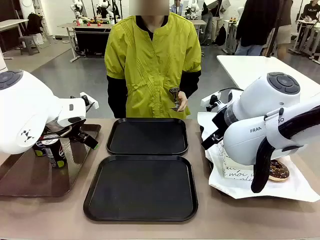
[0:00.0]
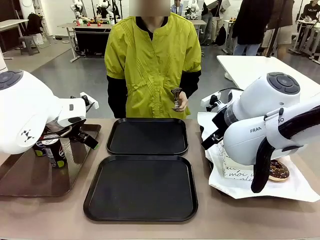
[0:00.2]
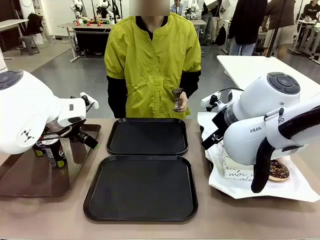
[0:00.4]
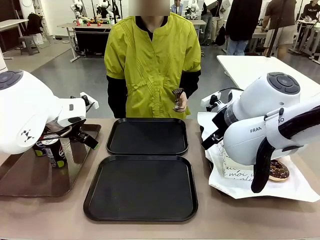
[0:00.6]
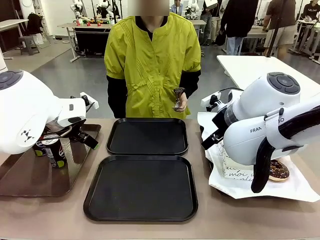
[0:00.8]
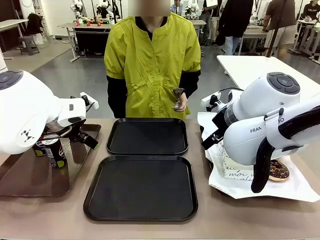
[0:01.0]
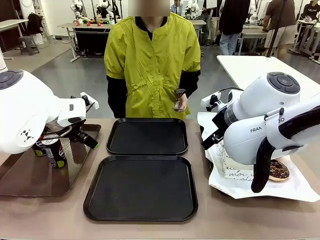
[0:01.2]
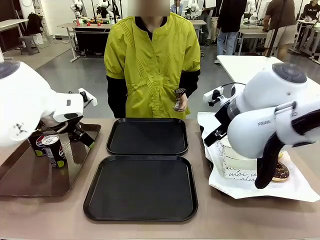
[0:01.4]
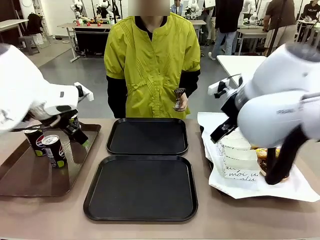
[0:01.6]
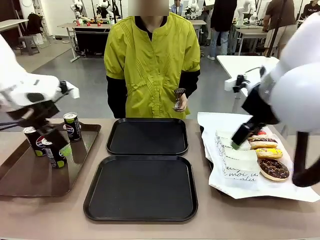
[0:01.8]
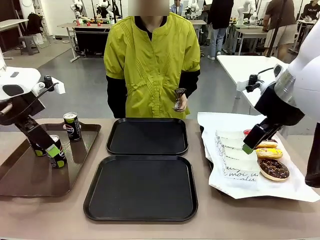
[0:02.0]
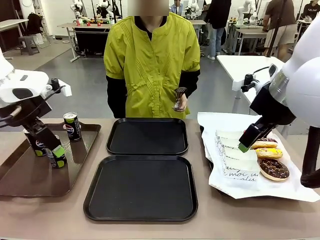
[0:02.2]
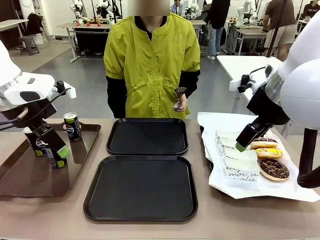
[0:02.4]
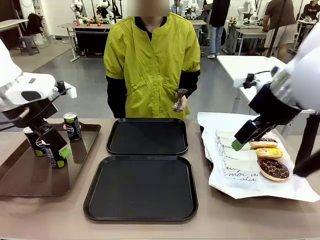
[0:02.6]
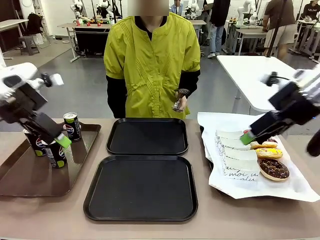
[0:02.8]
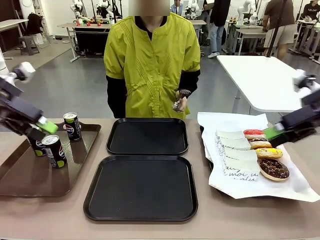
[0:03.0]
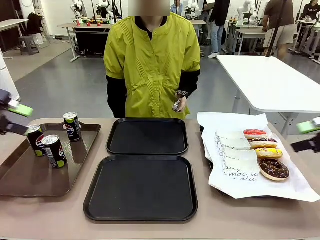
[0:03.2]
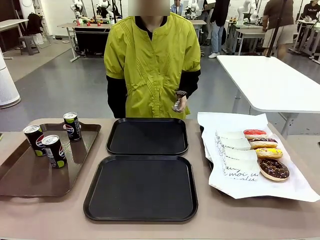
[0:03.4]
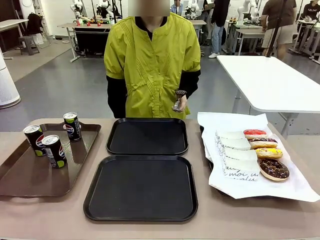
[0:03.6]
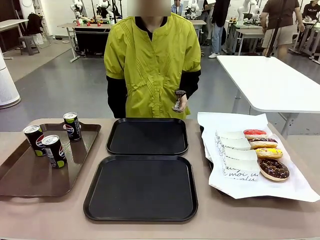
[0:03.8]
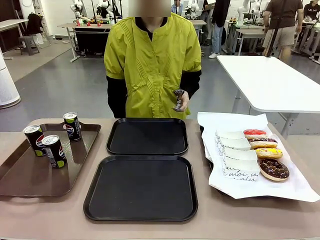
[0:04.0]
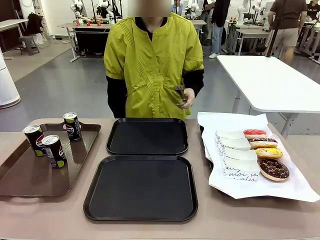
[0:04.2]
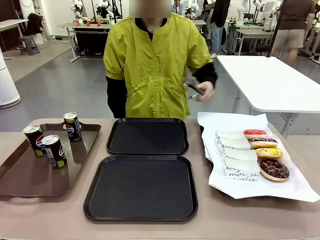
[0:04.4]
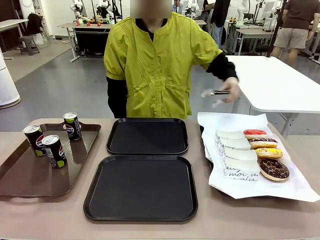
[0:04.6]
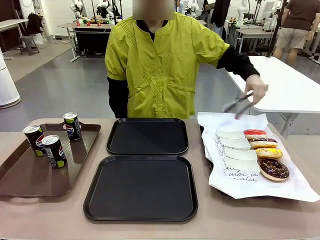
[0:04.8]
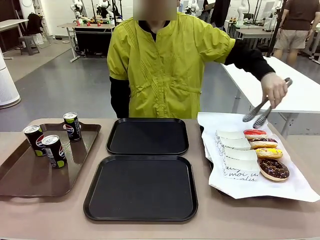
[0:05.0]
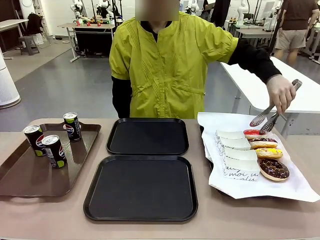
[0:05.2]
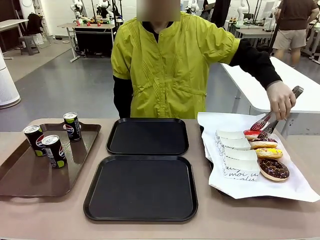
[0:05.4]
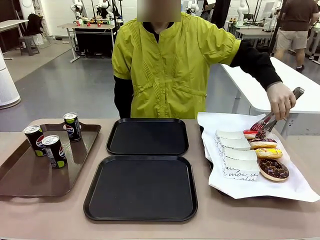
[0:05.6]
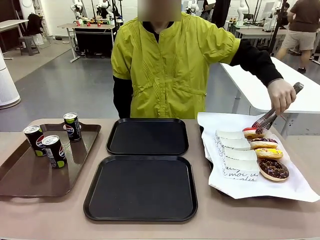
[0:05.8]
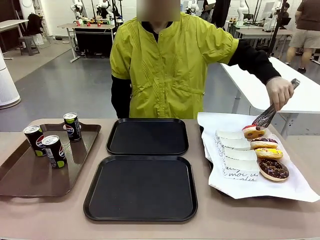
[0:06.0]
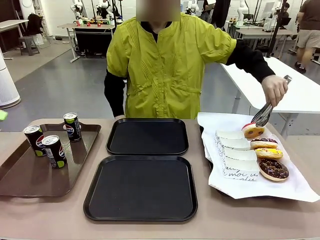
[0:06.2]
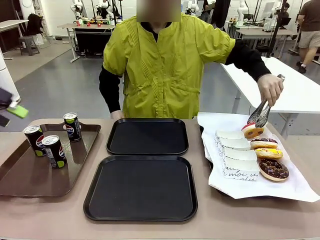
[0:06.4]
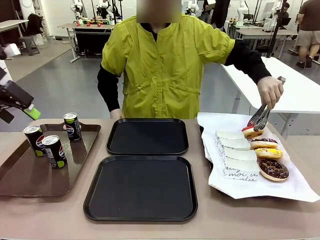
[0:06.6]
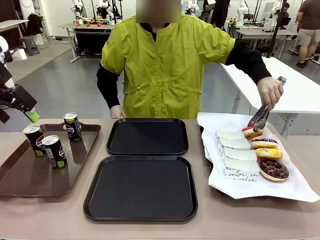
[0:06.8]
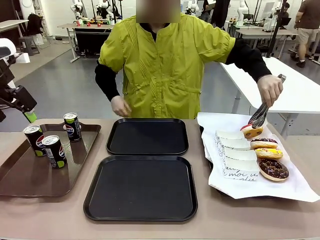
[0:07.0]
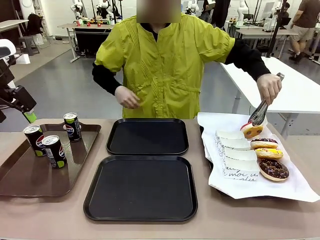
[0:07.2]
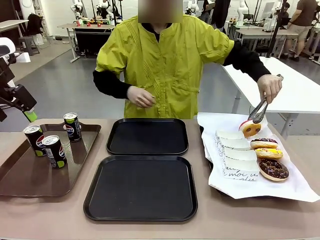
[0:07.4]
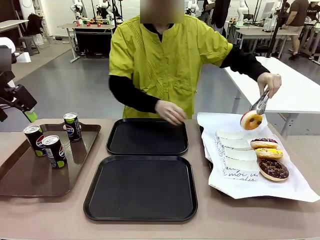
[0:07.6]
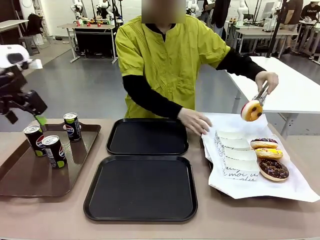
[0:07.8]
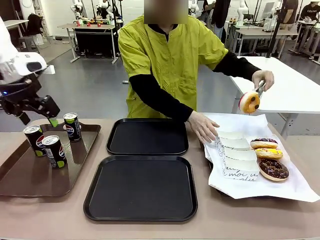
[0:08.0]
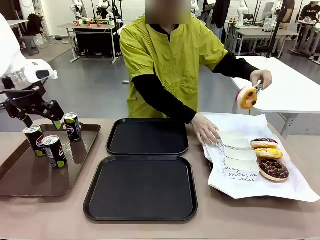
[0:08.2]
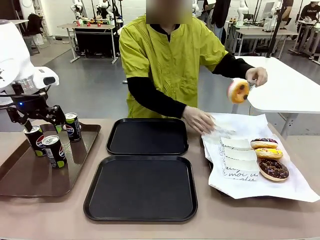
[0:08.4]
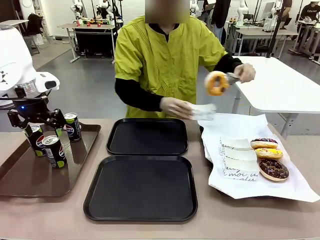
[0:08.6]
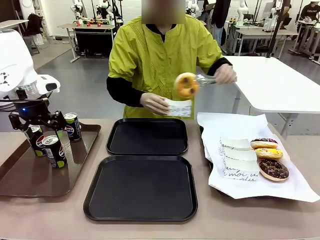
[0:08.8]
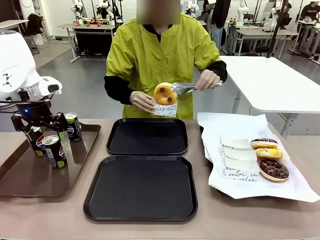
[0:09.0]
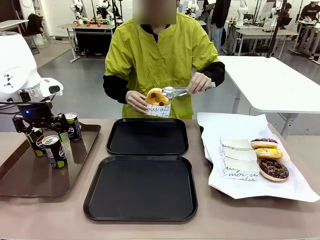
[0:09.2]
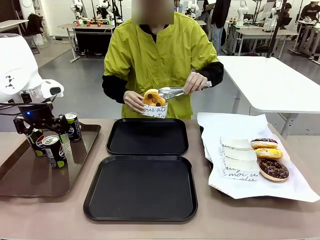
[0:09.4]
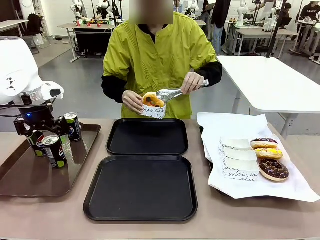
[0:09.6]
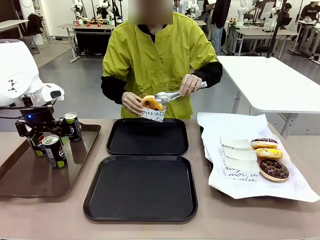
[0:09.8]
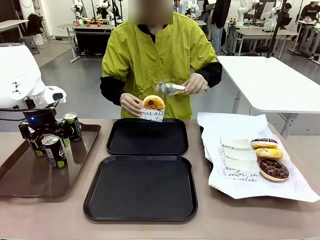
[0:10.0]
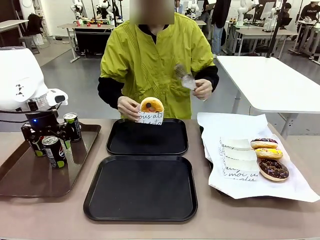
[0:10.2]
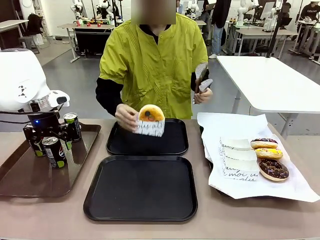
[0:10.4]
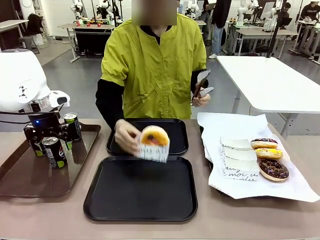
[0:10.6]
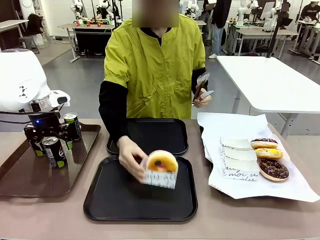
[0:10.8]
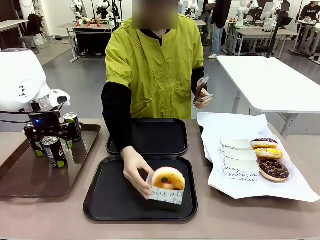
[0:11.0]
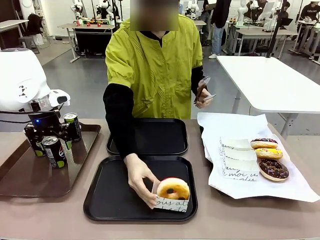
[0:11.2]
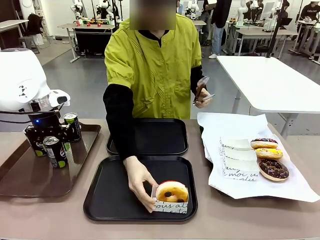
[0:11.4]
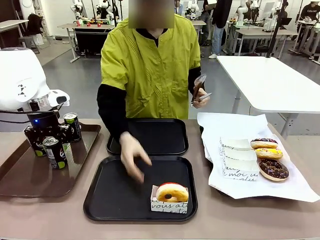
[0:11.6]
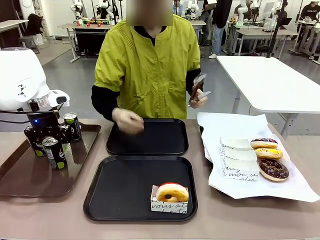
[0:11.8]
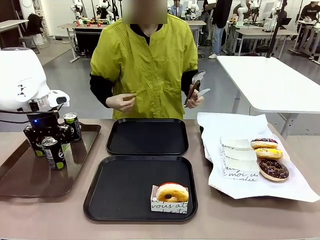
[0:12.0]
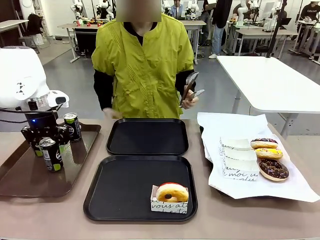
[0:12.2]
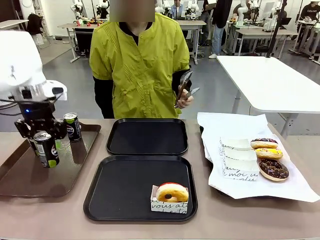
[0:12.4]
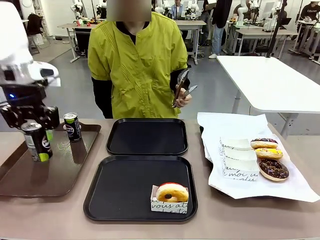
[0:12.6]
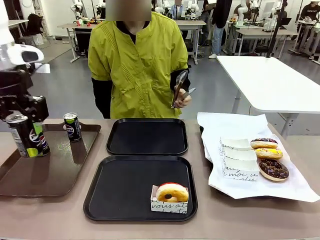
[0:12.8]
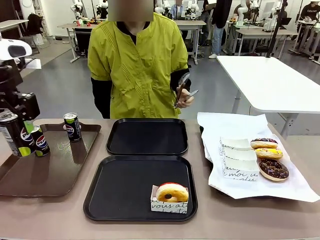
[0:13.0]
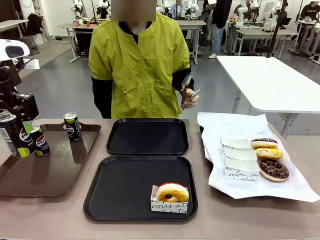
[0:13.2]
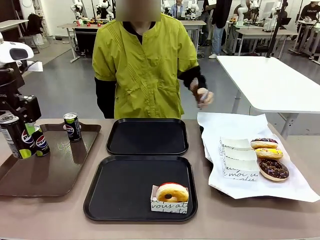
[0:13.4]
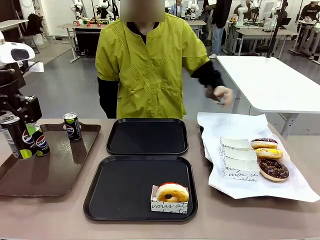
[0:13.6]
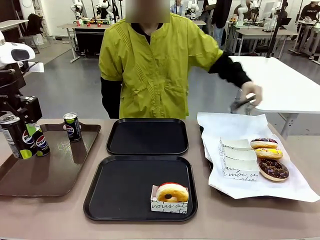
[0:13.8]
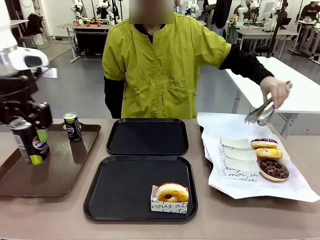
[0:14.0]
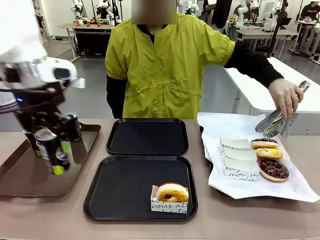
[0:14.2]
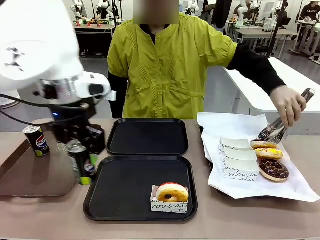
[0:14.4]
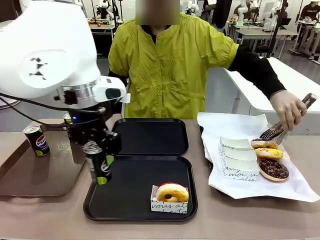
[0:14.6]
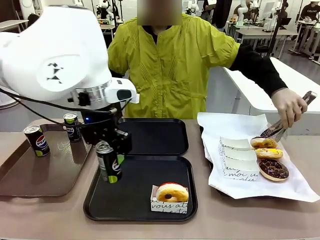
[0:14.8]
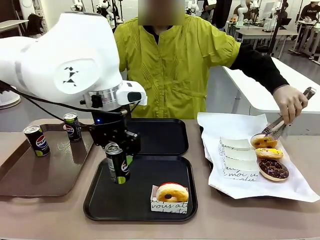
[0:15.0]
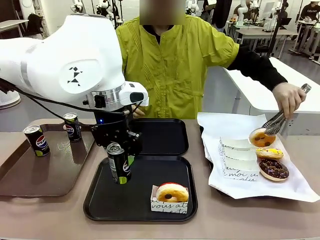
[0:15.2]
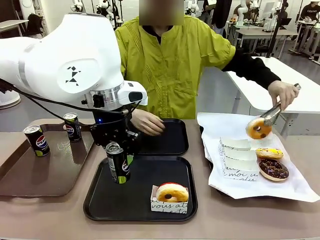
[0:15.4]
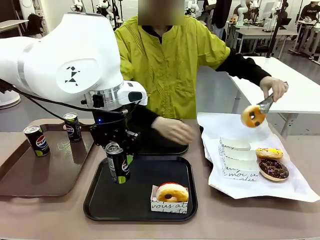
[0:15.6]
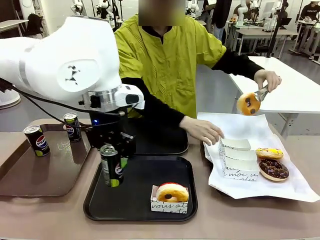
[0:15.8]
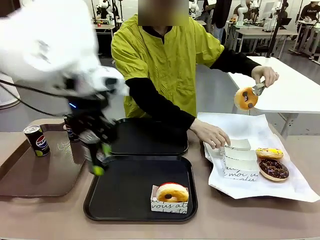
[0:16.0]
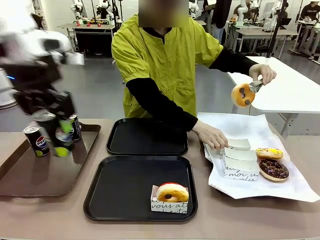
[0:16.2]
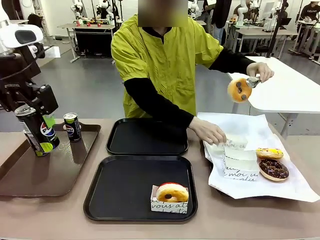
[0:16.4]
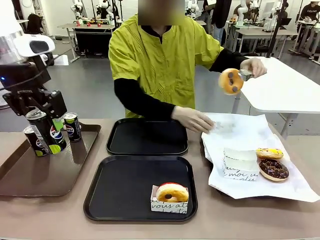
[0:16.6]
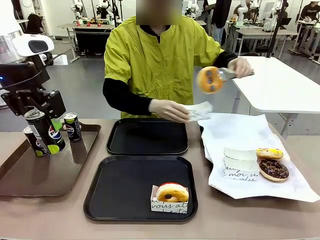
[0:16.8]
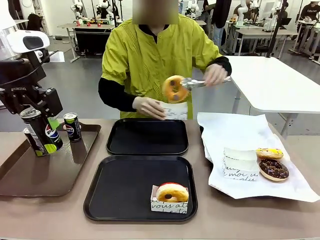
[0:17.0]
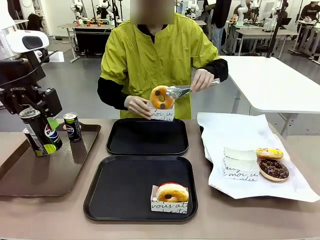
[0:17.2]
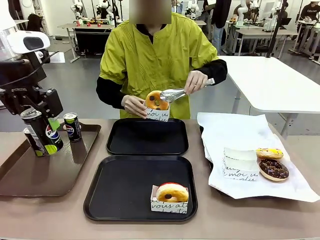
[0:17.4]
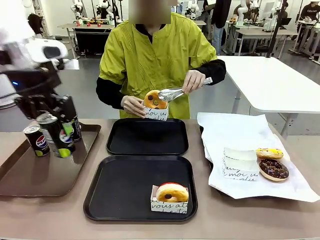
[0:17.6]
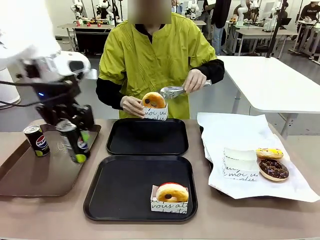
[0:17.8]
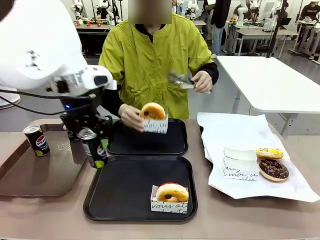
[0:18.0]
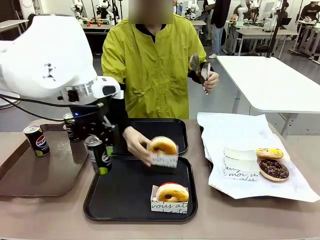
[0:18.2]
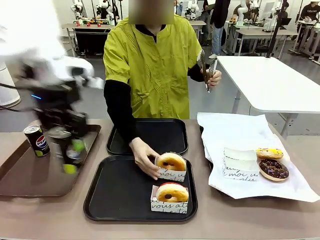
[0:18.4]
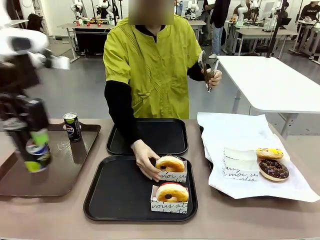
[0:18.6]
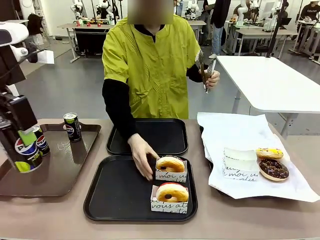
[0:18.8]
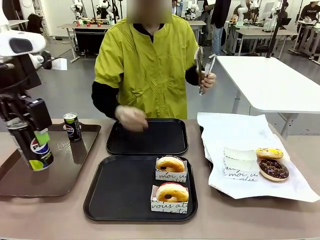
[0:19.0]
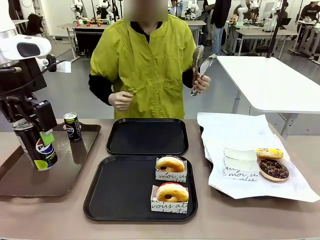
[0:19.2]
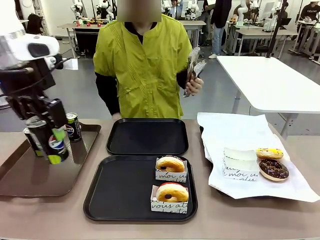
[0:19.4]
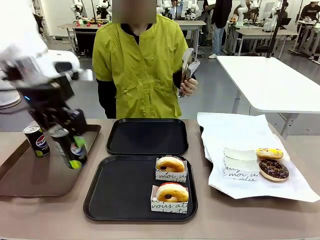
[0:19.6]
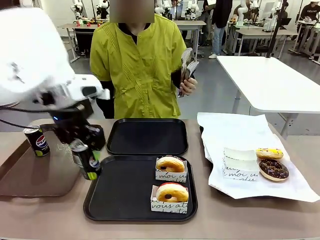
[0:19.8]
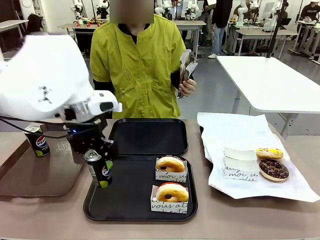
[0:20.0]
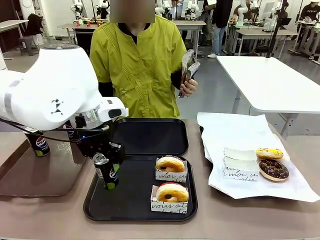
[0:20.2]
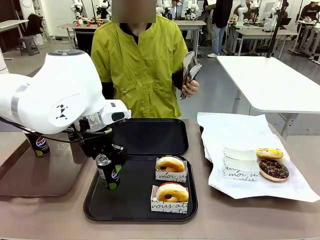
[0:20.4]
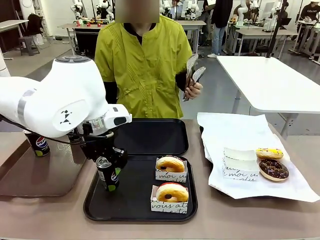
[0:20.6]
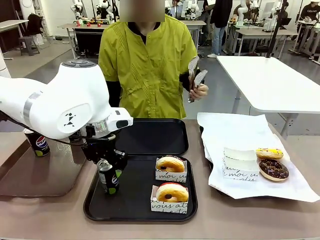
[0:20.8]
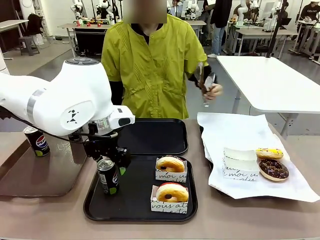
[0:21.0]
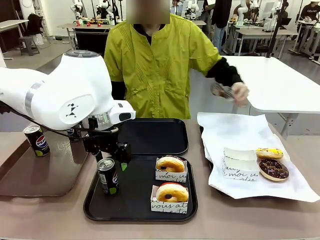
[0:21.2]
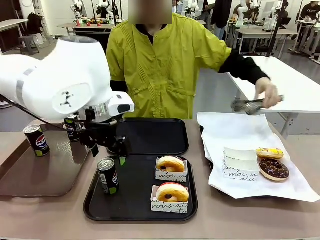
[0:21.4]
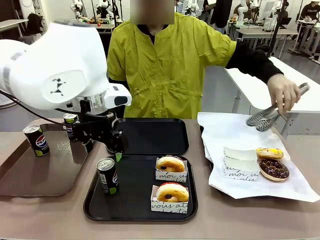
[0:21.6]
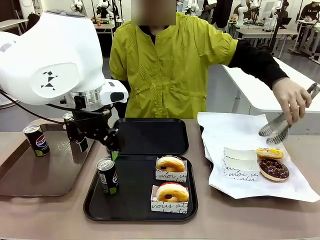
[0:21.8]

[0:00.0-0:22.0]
Task: Set up donuts and drinks on trays.
Robot: Pick up one Pepsi coke and place it on the Flat Tray.
